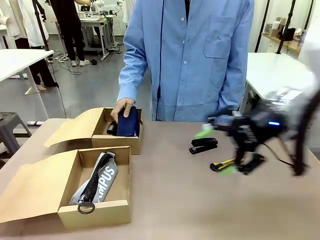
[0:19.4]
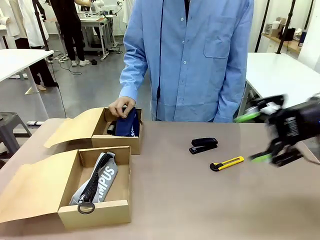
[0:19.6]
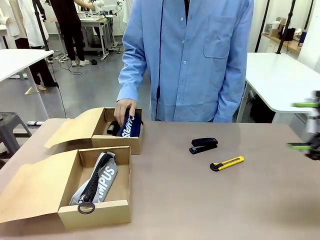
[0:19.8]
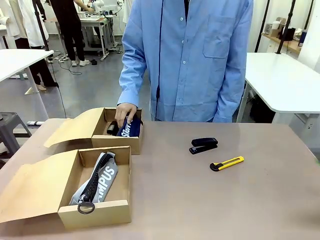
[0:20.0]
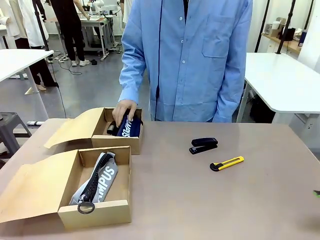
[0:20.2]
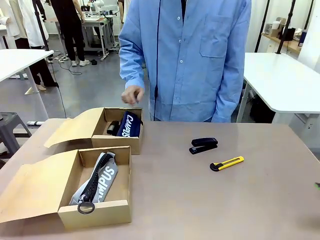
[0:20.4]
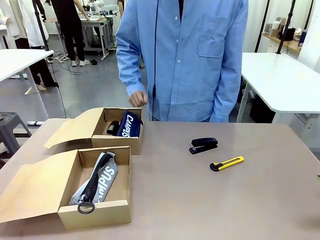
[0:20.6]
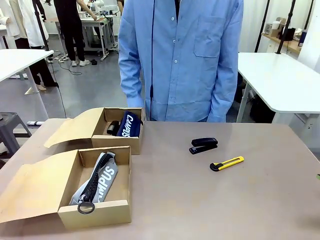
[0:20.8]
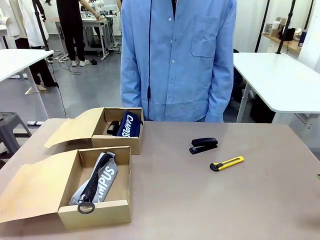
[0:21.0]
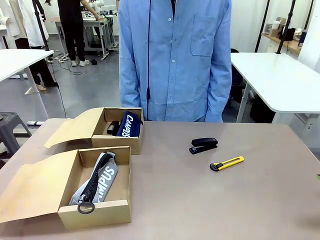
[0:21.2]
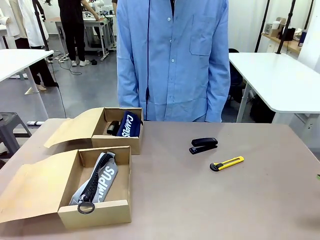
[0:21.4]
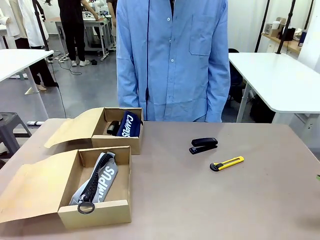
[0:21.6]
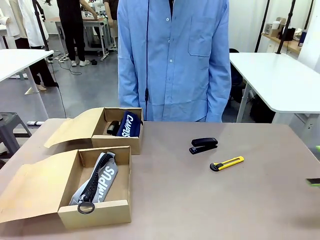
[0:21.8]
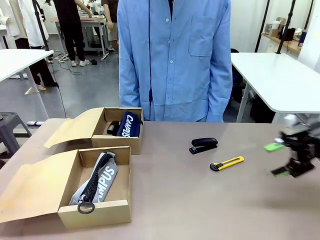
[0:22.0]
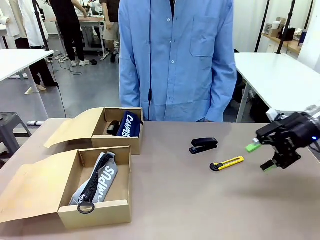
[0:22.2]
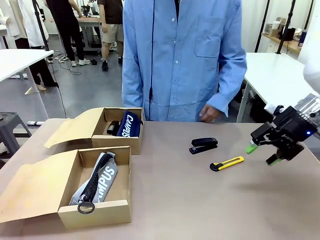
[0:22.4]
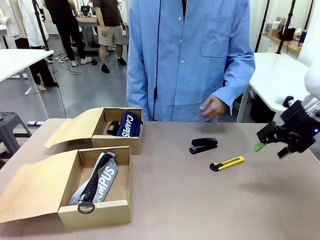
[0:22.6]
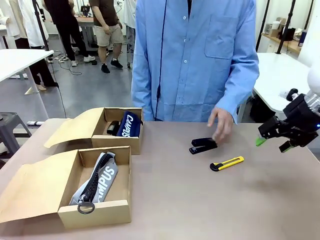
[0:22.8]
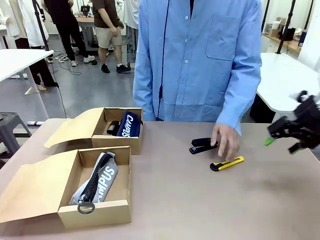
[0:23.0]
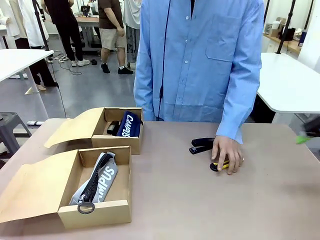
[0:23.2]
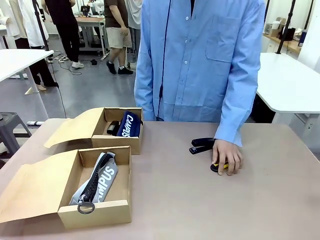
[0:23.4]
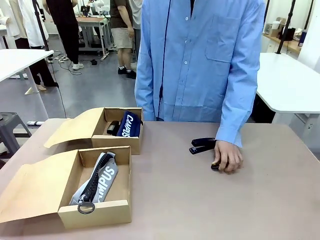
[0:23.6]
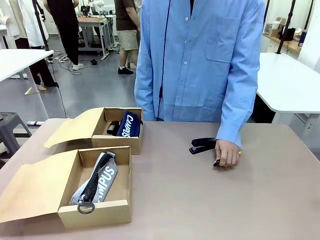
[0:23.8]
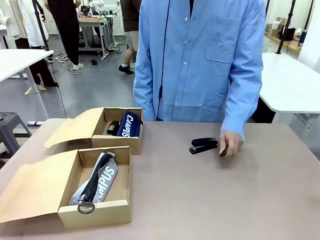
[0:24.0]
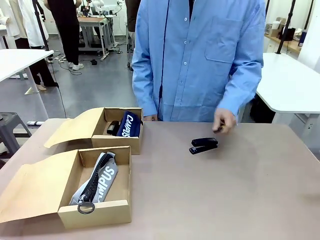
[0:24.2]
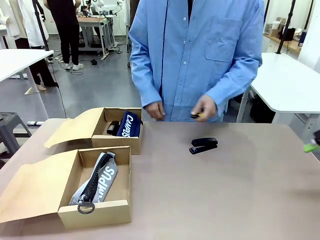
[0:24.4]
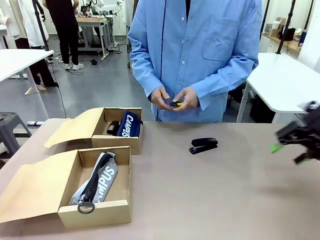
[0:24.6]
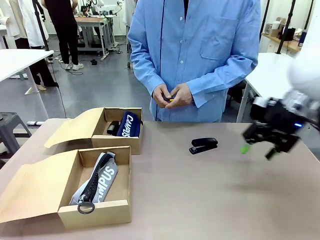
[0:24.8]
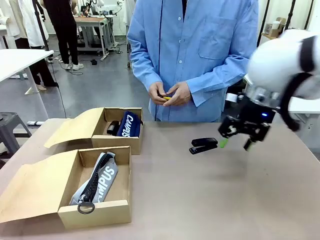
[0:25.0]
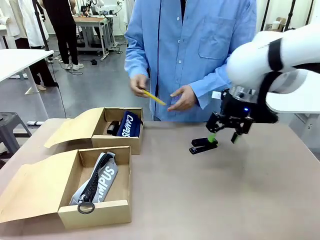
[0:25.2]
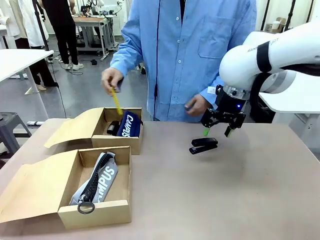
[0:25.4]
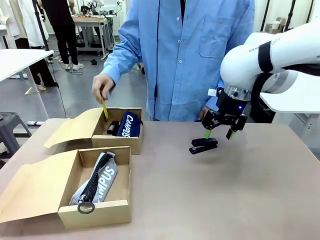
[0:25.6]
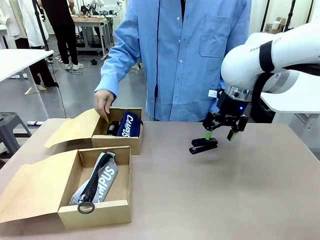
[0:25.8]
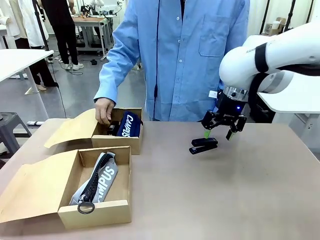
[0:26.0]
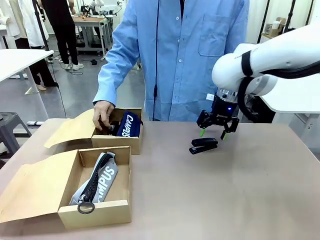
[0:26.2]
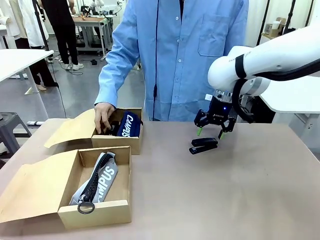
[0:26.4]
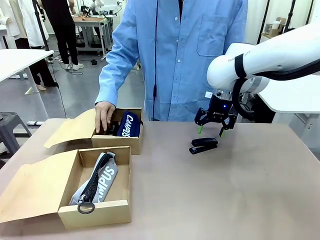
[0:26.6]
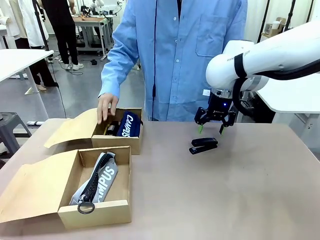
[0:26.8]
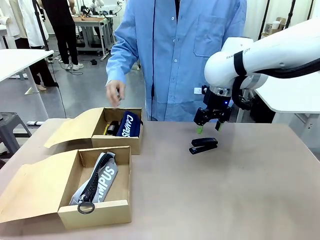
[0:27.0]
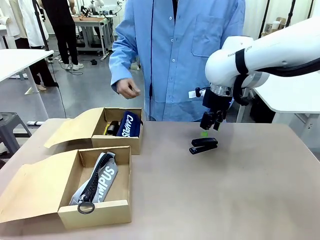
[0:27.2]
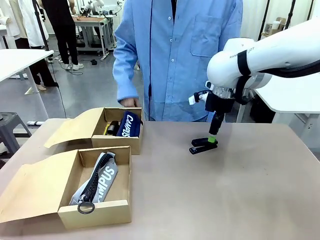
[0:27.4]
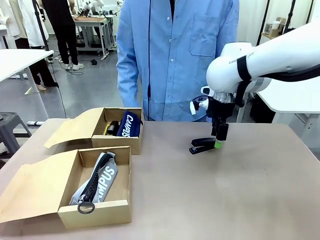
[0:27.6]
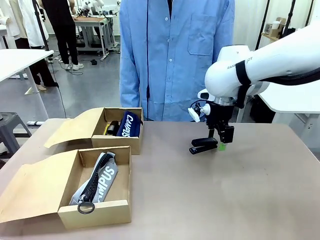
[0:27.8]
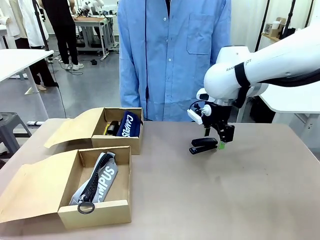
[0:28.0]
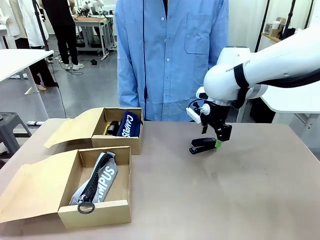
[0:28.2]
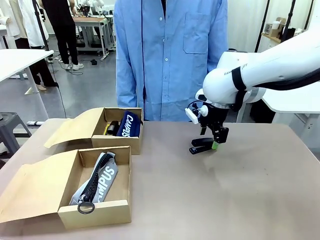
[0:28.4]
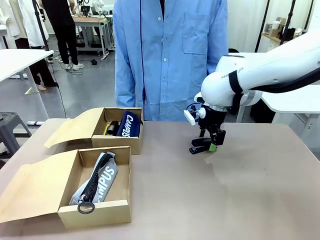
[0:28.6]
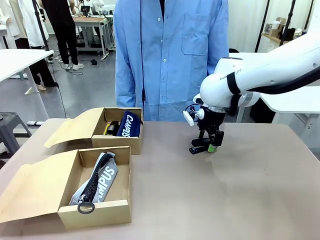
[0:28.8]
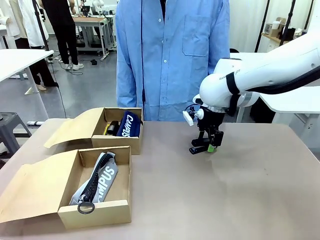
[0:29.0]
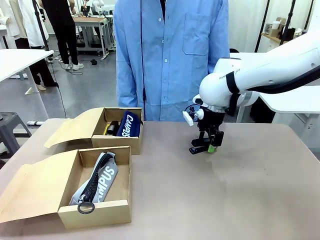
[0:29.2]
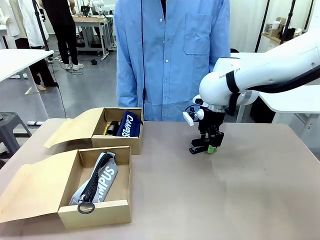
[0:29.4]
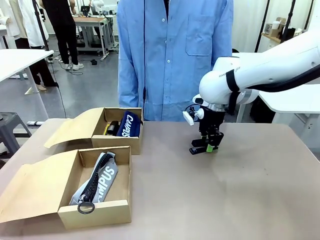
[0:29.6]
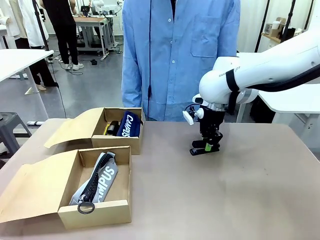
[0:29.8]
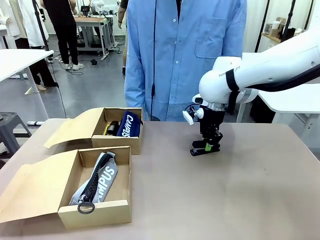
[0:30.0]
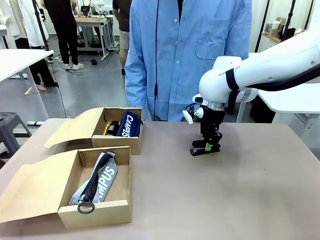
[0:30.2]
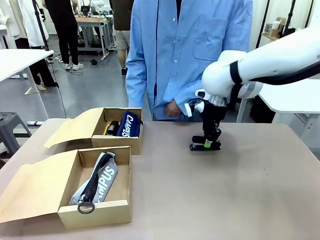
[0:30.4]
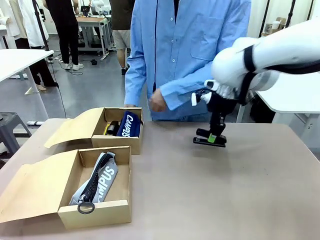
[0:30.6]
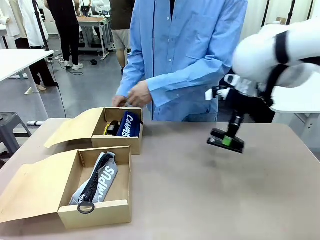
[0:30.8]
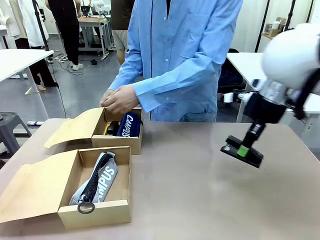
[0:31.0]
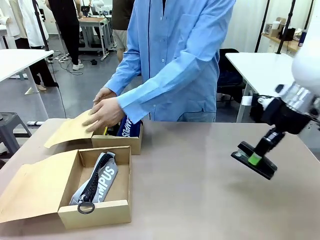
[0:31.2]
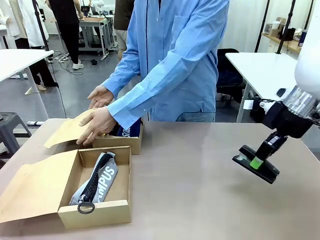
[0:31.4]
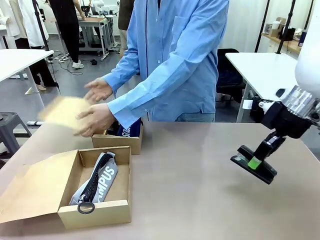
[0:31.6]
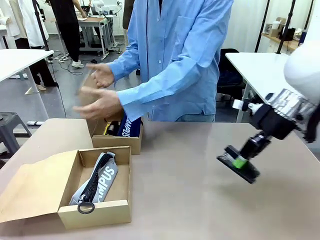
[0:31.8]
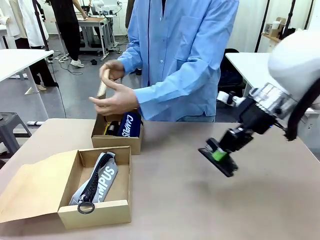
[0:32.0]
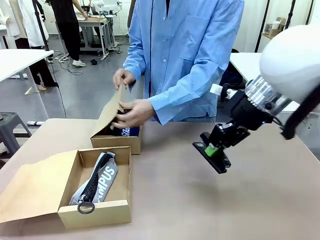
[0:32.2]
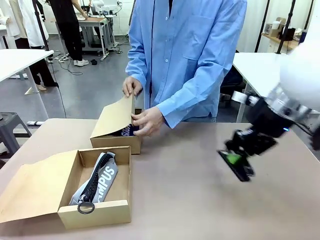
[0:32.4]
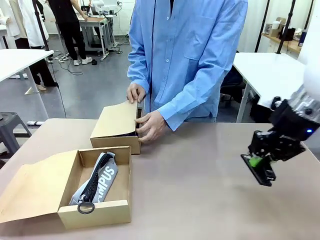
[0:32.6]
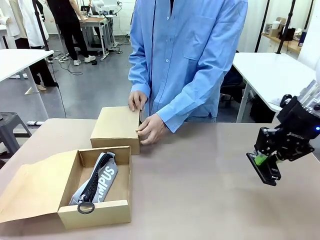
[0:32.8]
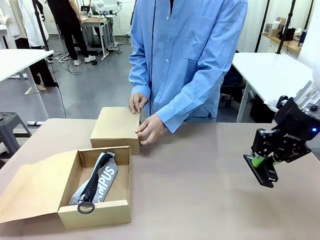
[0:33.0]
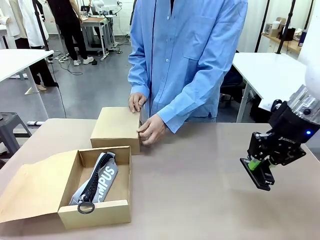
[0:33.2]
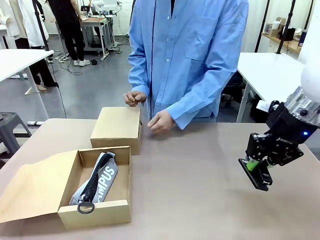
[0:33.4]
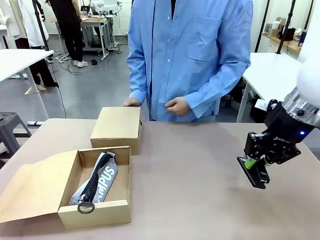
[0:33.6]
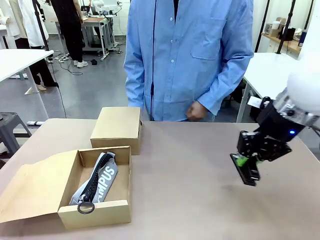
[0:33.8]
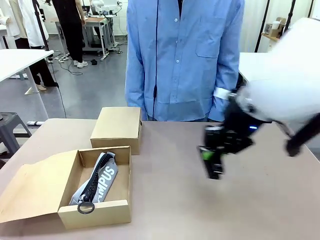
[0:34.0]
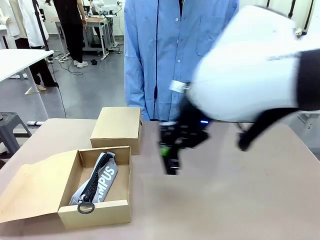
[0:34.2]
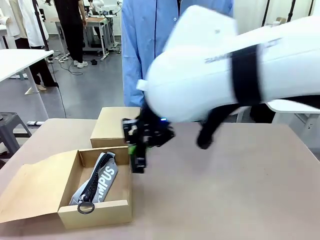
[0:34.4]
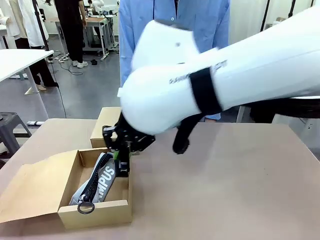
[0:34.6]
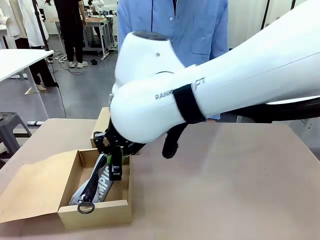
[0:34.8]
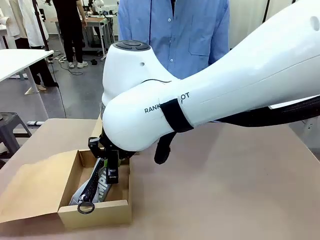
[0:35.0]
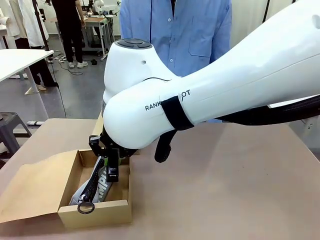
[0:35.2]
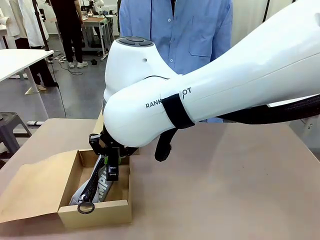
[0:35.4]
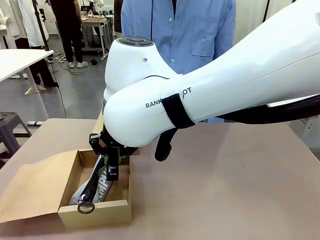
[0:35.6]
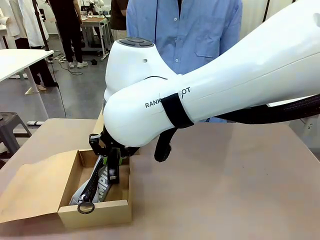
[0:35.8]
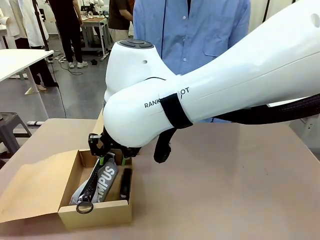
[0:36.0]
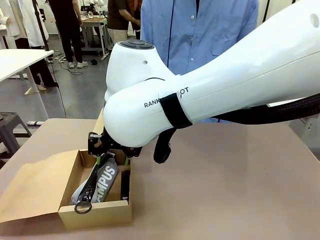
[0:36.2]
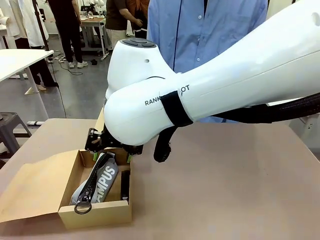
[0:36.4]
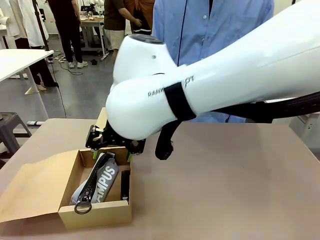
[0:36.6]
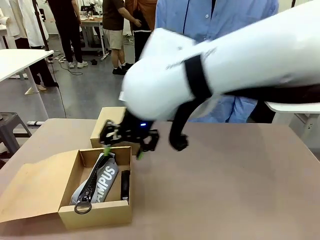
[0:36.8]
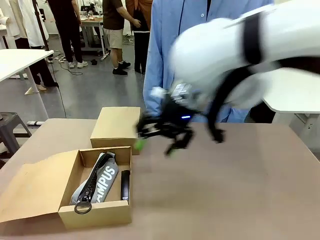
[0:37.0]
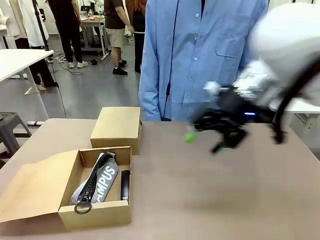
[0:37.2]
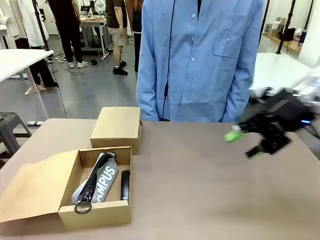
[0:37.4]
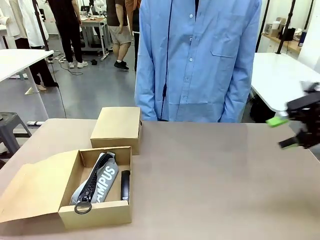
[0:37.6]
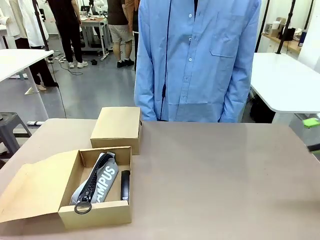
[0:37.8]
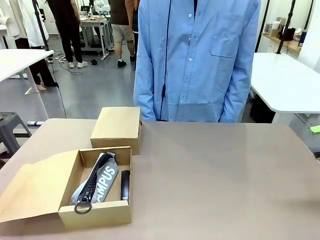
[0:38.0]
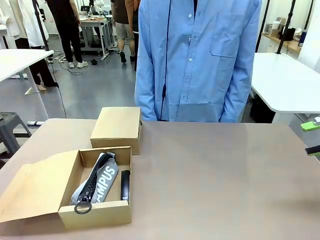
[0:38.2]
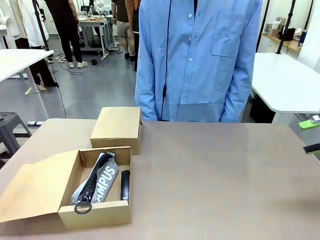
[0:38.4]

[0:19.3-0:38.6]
Task: Place items inside the box.
Robot: Pick up a Pencil pouch or Stapler and place it inside the Mailer Box closest to the robot.
